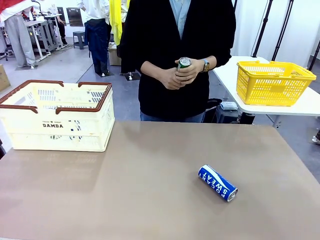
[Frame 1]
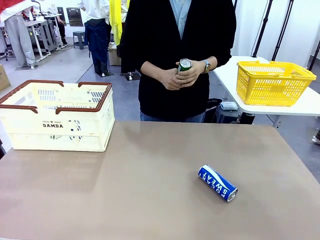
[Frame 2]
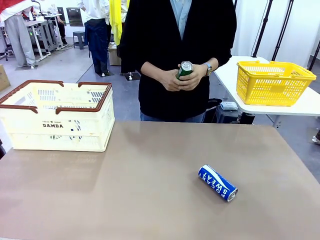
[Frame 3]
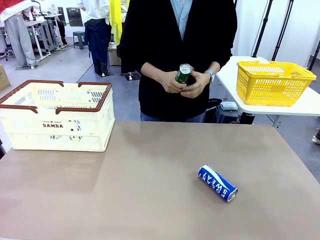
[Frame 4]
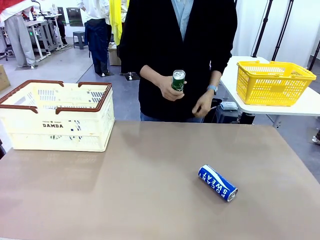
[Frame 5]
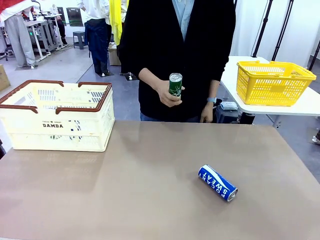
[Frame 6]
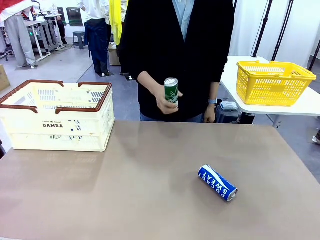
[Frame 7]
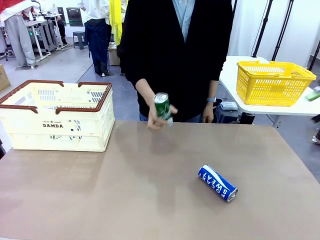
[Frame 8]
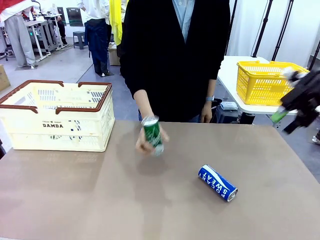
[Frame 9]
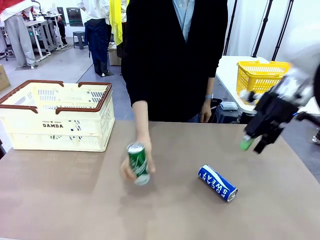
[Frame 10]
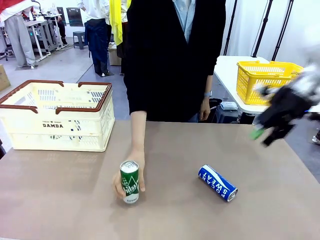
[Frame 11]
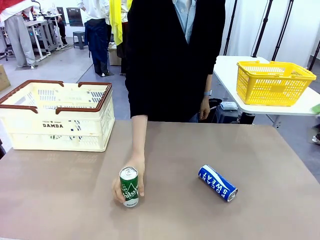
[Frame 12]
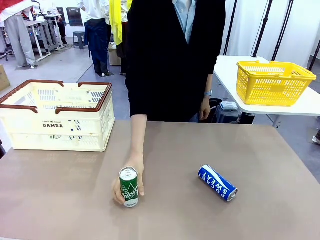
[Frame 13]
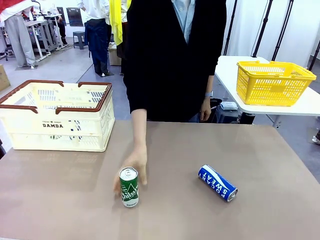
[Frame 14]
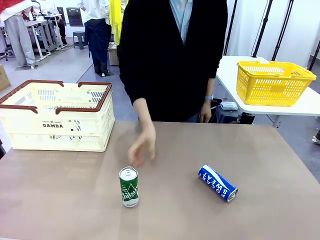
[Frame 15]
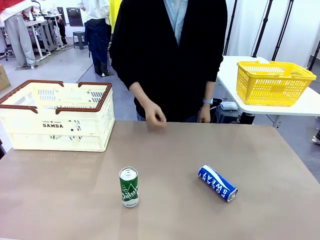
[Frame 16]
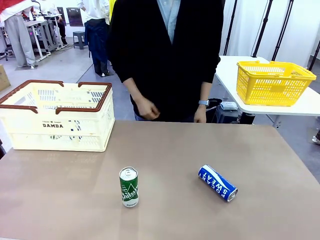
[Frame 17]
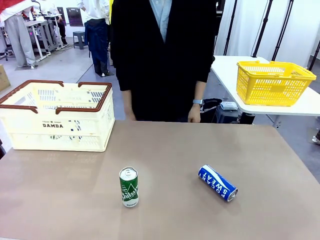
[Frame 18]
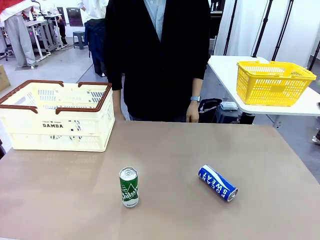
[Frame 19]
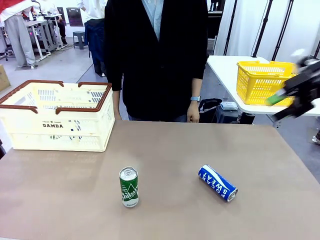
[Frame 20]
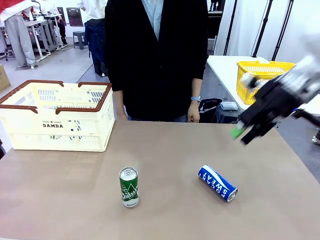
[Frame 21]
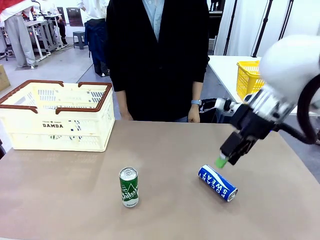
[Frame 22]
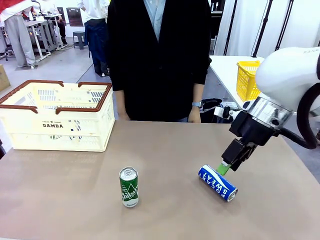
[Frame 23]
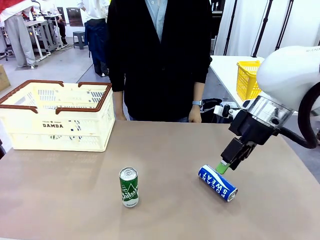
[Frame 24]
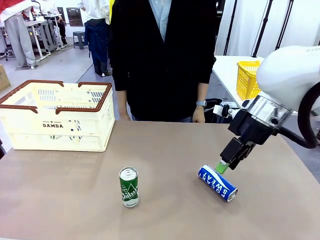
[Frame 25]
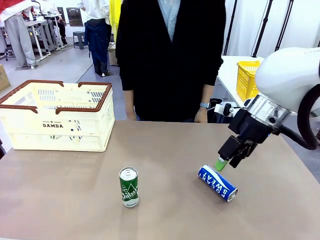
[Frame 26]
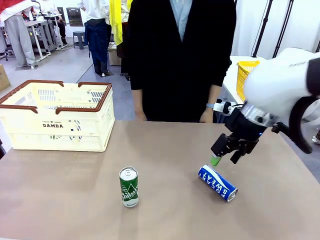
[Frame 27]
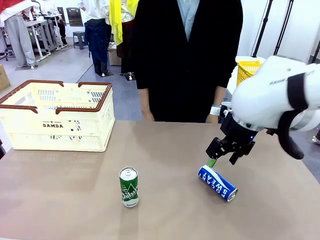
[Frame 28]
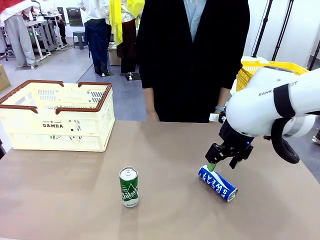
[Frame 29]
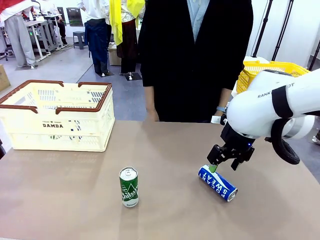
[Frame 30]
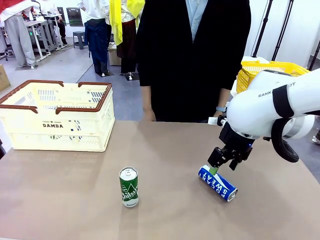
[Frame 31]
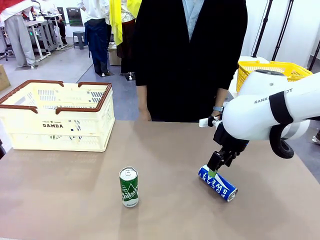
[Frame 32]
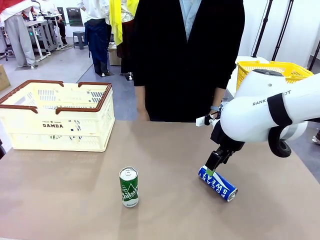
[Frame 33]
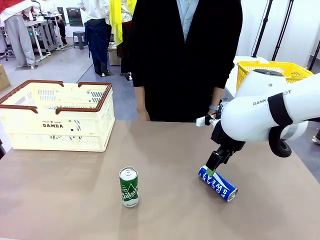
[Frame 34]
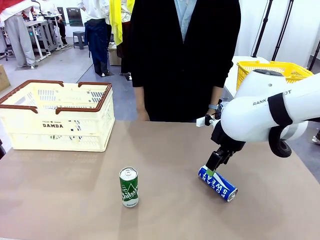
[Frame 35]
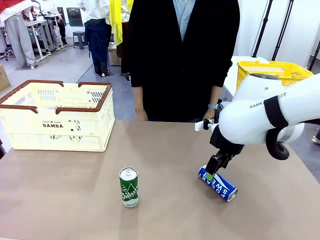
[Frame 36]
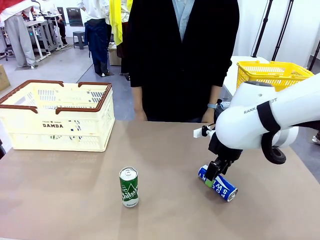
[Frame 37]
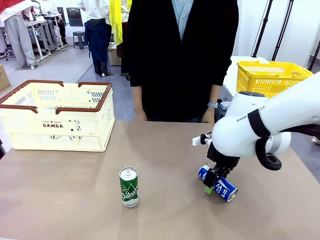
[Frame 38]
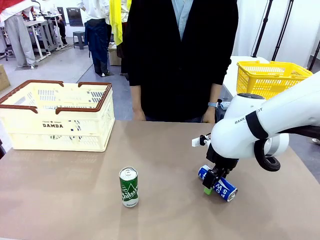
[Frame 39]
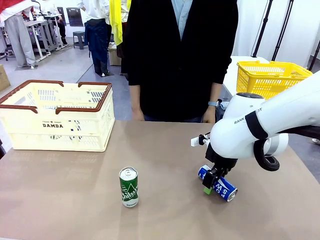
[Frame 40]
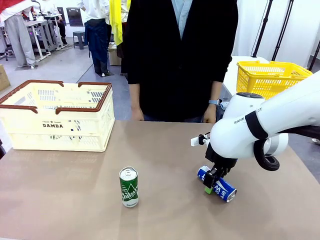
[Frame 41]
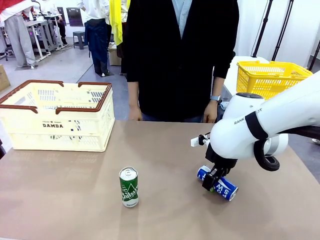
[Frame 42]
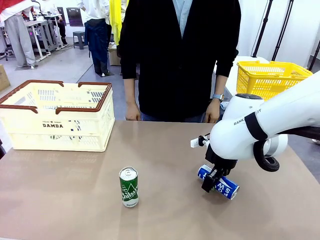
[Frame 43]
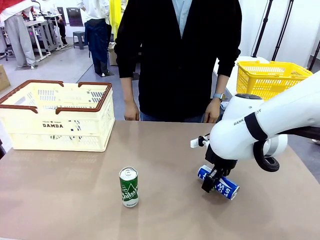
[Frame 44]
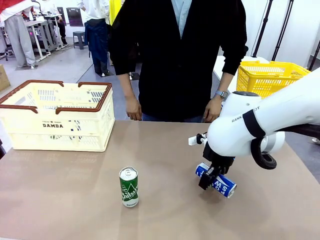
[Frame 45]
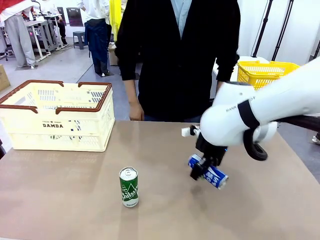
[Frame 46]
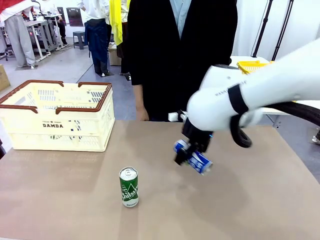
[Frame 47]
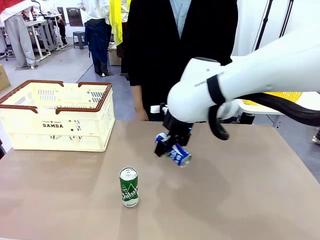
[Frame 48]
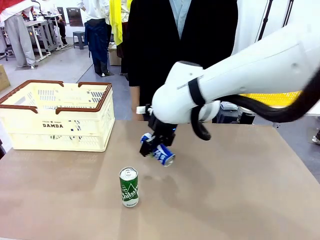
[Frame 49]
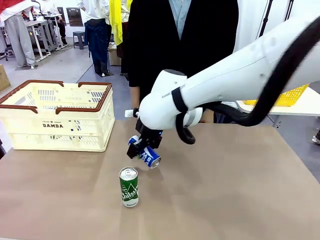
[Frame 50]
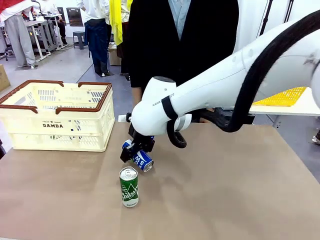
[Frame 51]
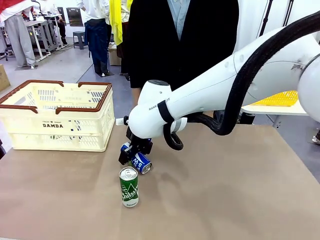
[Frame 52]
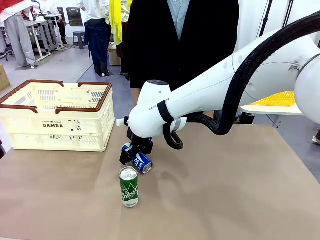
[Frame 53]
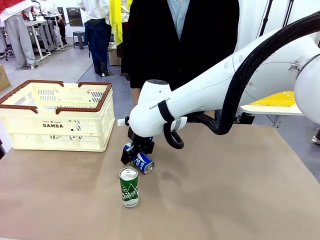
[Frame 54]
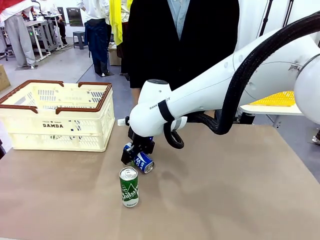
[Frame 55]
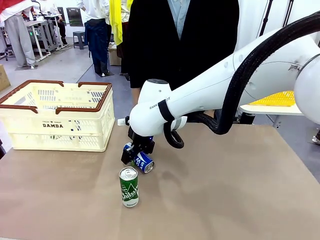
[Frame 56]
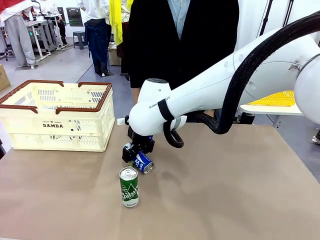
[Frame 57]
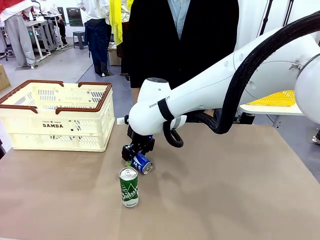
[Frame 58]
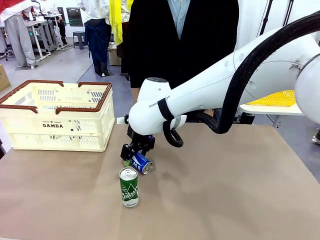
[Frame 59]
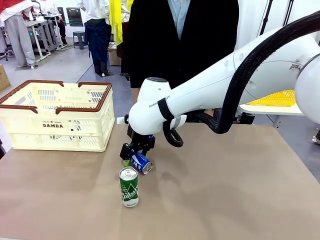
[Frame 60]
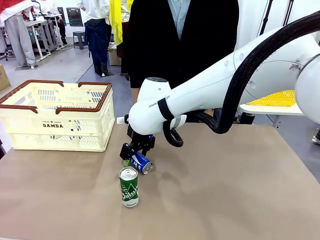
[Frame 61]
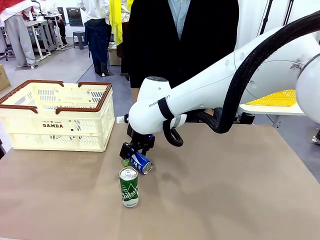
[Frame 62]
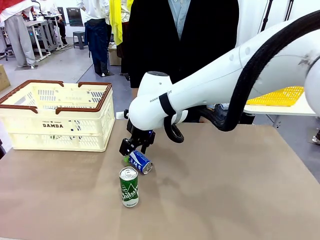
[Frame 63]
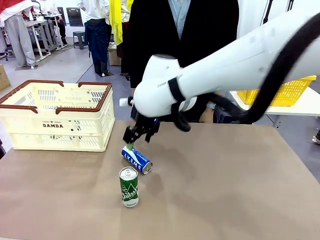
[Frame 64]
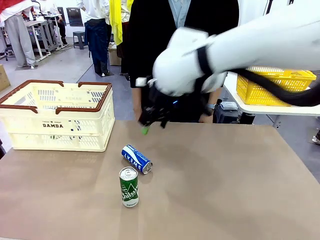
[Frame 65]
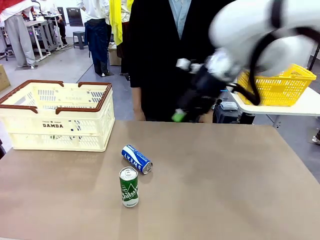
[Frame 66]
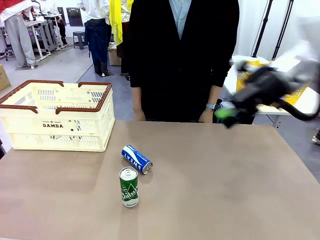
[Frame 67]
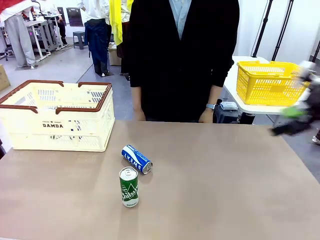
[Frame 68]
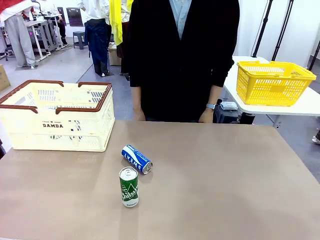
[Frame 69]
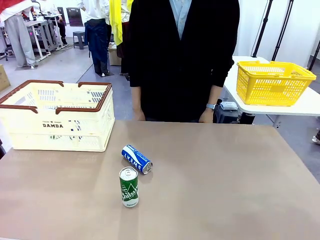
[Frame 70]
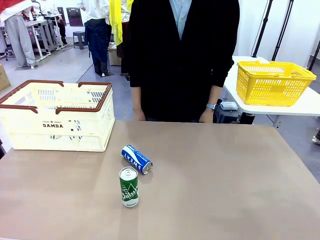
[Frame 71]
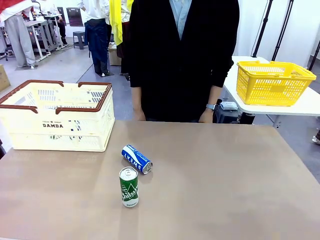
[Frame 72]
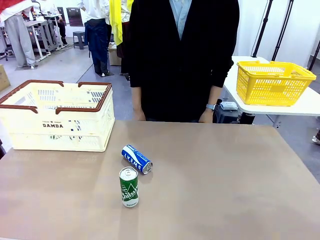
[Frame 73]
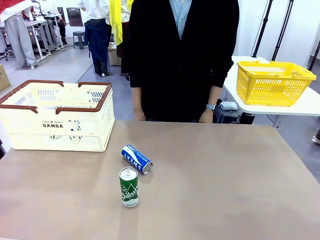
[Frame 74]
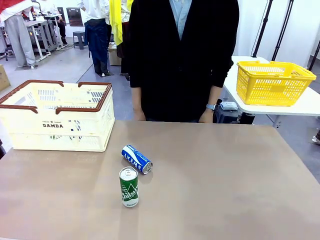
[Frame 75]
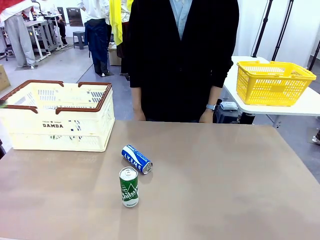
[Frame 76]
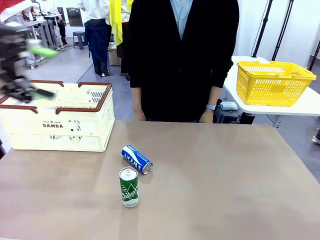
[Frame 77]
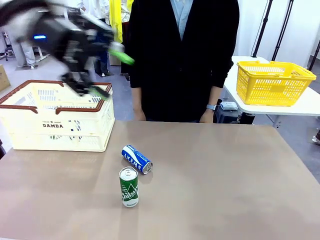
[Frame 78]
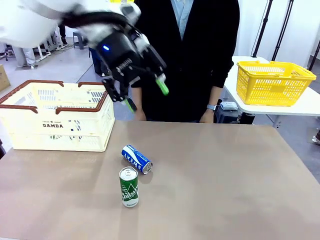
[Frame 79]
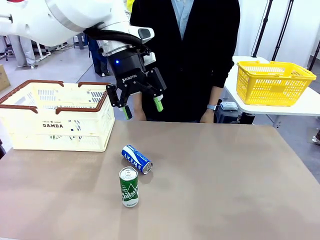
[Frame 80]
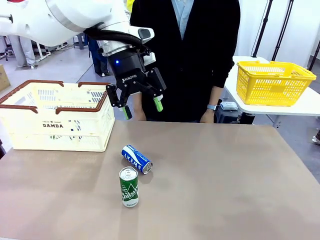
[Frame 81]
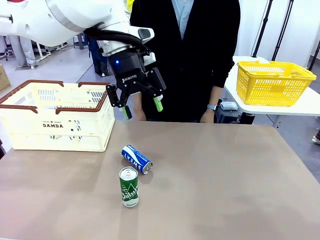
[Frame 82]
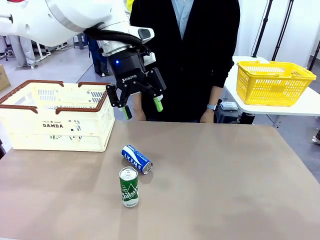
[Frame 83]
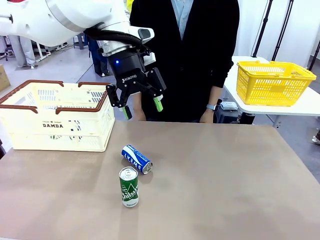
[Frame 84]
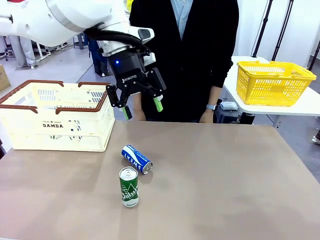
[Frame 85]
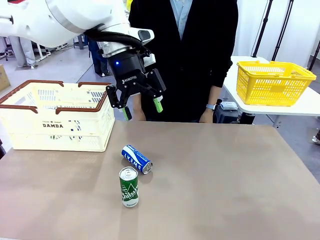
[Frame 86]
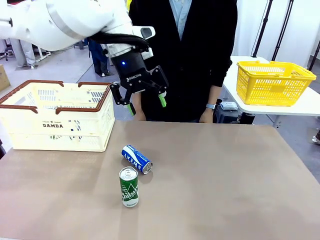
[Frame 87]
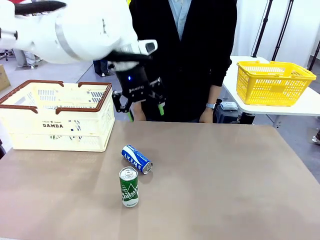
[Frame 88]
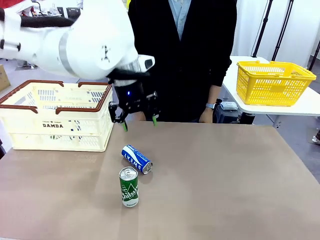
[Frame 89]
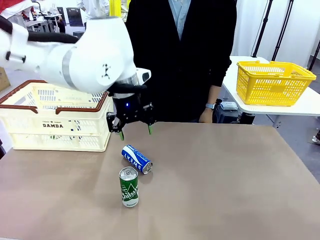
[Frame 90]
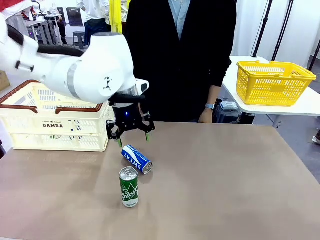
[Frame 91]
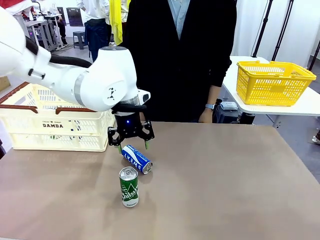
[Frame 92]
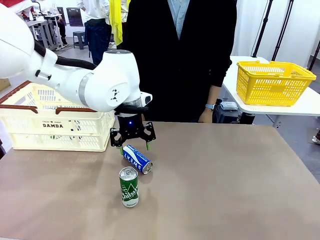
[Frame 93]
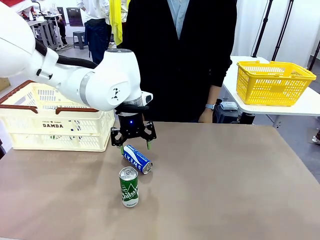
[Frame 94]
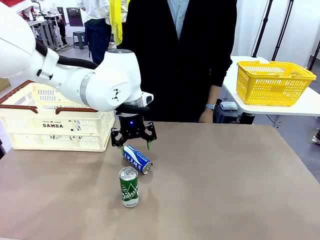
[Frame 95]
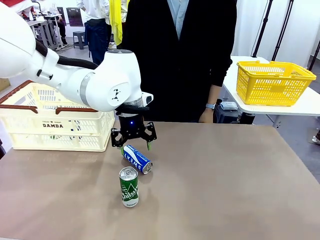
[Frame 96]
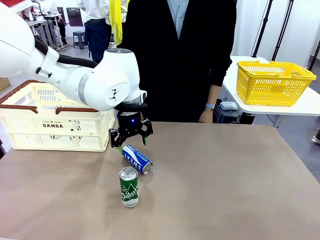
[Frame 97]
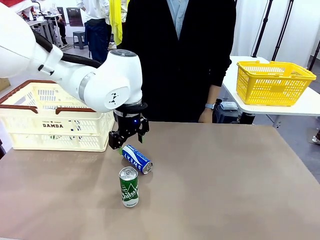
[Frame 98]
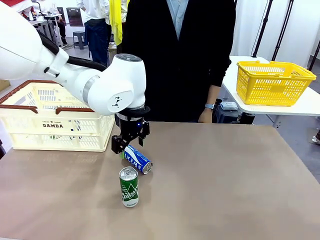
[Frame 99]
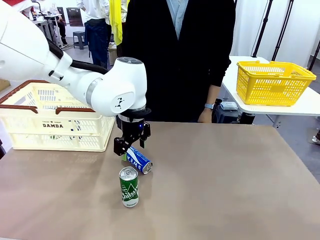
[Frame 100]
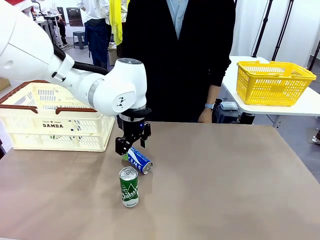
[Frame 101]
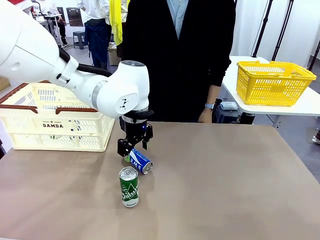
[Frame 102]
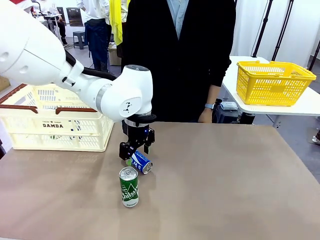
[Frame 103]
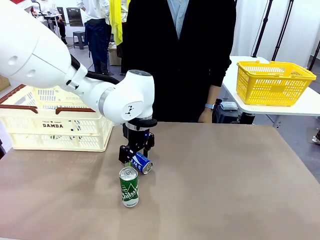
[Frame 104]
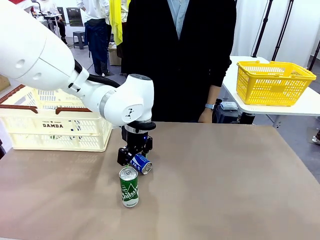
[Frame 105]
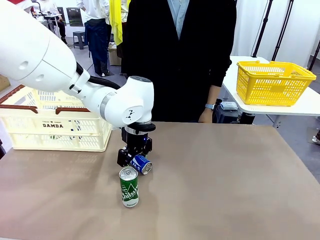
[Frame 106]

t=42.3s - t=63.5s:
Task: Place the drinks into the Shopping basket.
Robot: Pick up one drink and place it into the Shopping basket.
